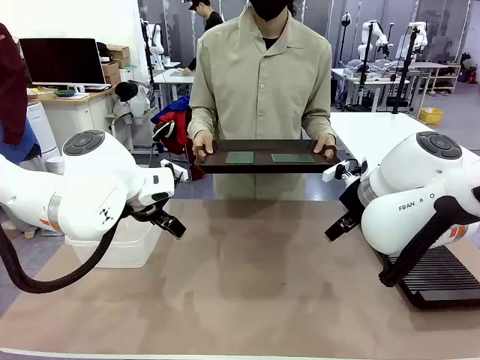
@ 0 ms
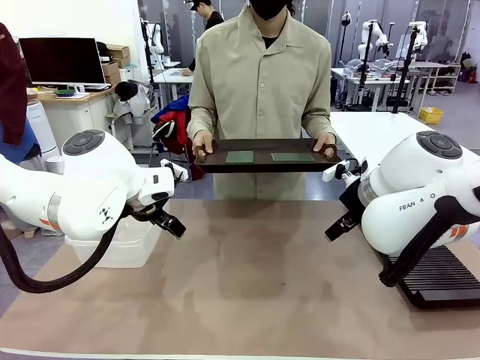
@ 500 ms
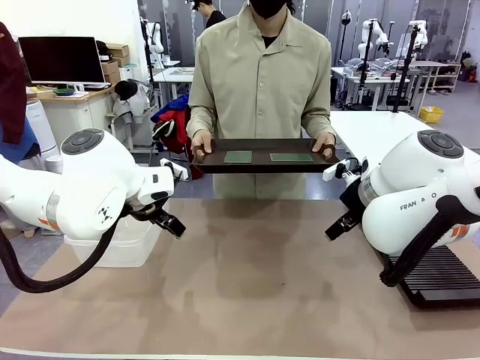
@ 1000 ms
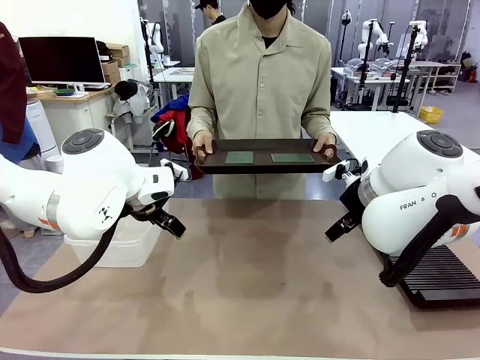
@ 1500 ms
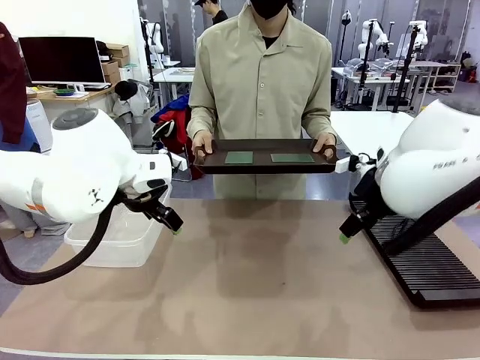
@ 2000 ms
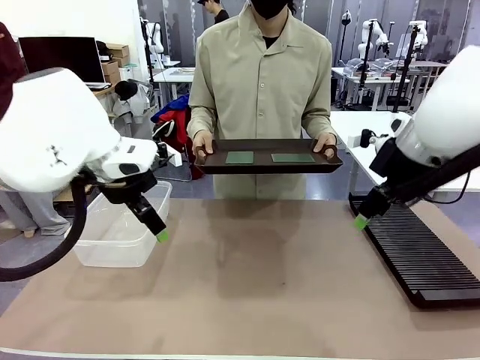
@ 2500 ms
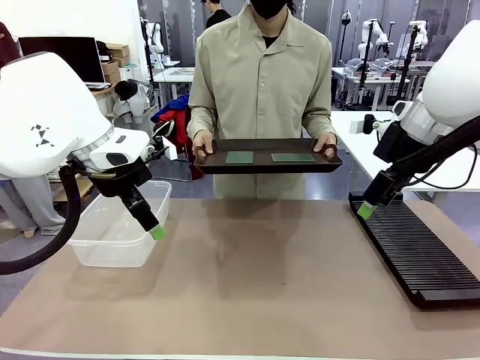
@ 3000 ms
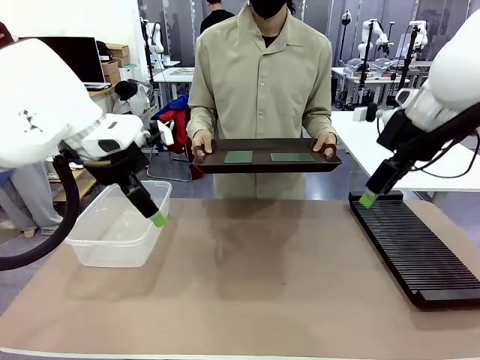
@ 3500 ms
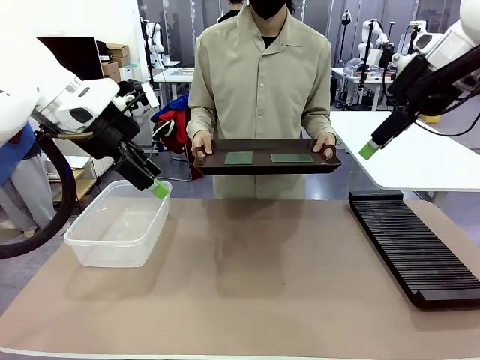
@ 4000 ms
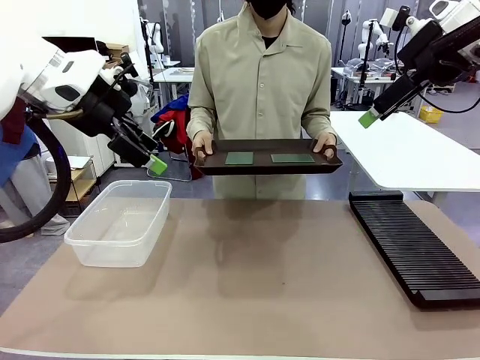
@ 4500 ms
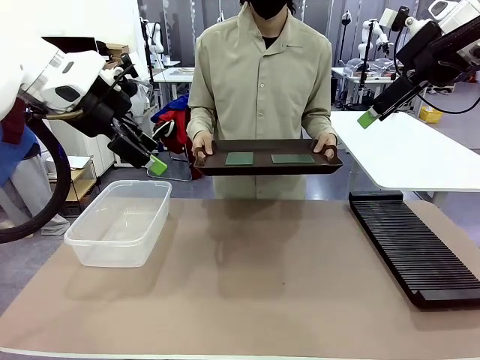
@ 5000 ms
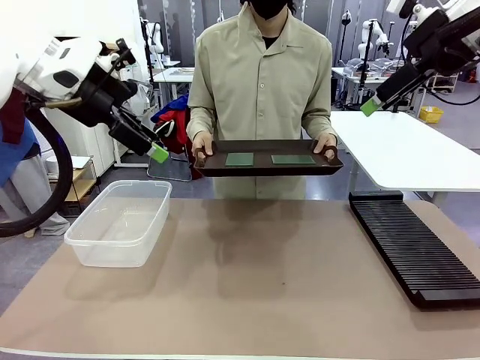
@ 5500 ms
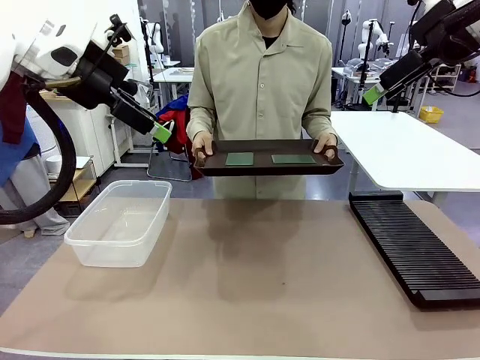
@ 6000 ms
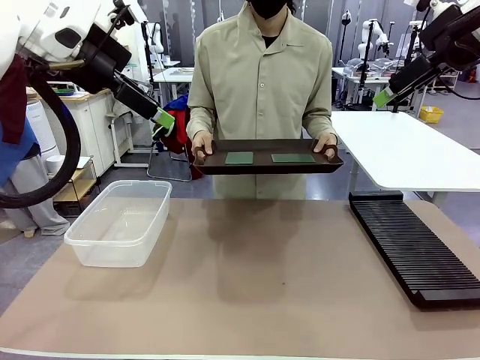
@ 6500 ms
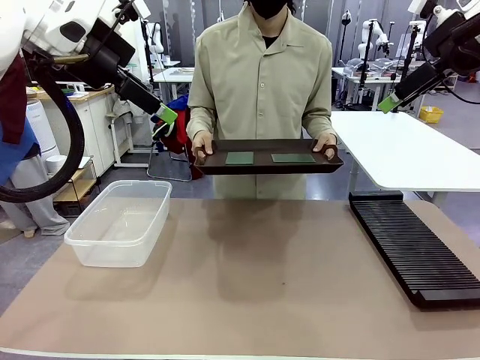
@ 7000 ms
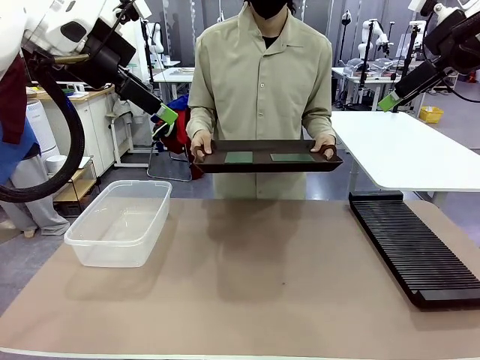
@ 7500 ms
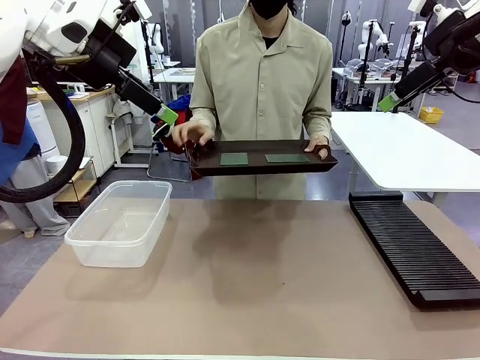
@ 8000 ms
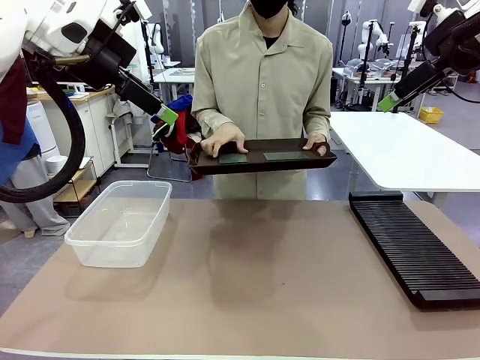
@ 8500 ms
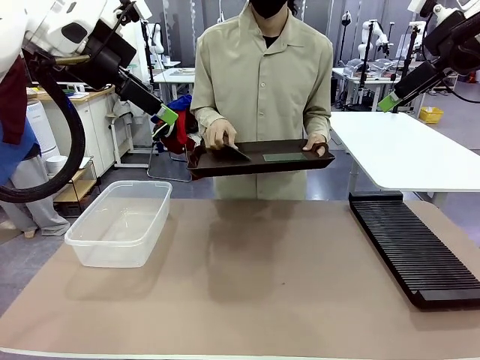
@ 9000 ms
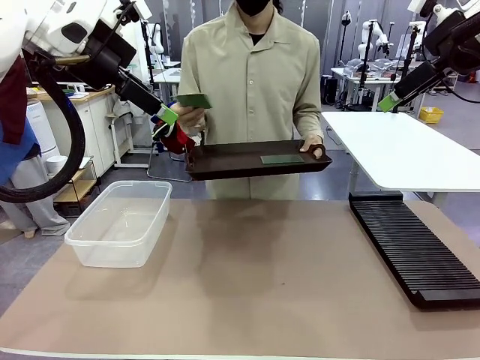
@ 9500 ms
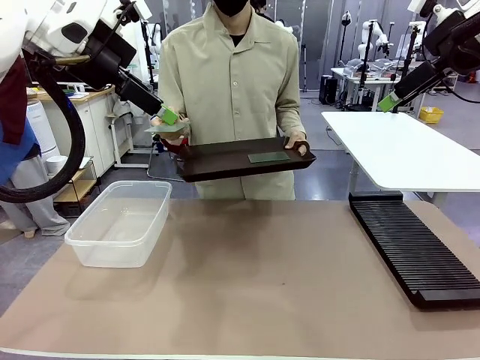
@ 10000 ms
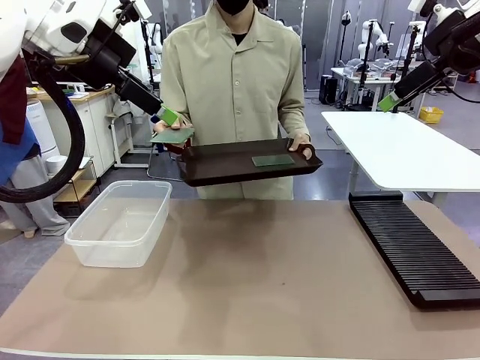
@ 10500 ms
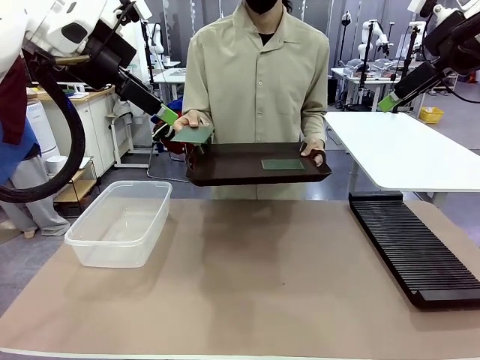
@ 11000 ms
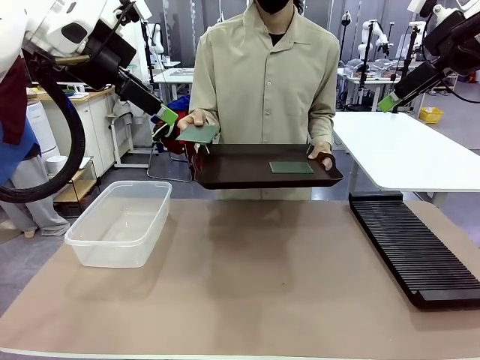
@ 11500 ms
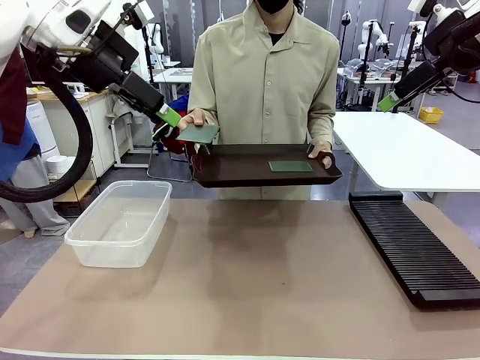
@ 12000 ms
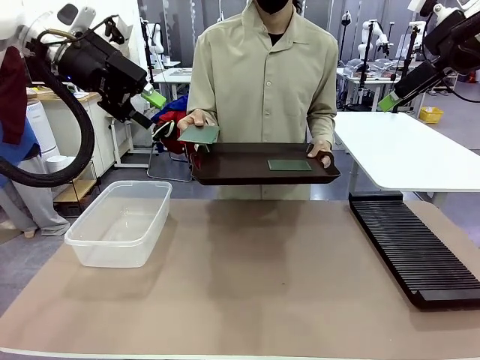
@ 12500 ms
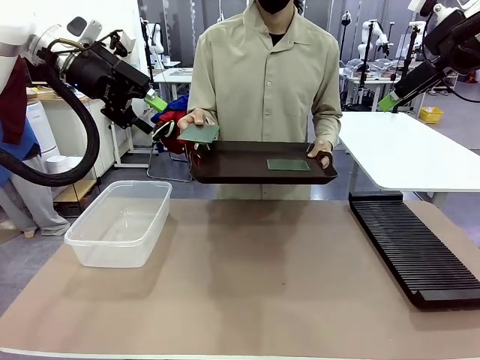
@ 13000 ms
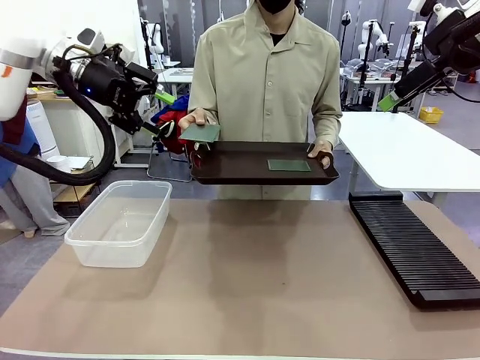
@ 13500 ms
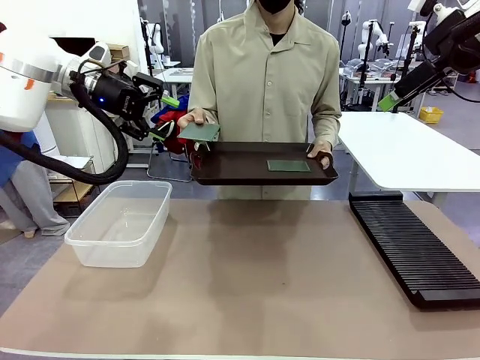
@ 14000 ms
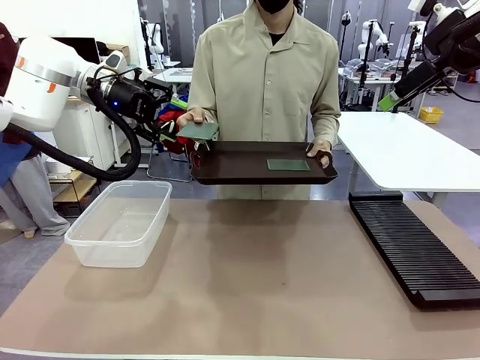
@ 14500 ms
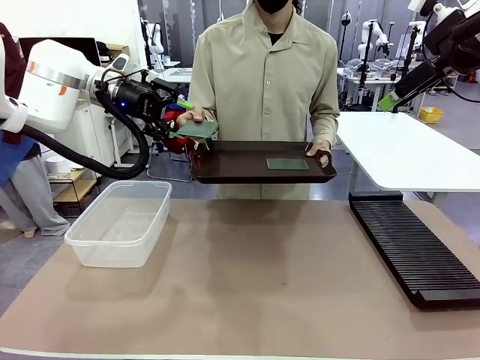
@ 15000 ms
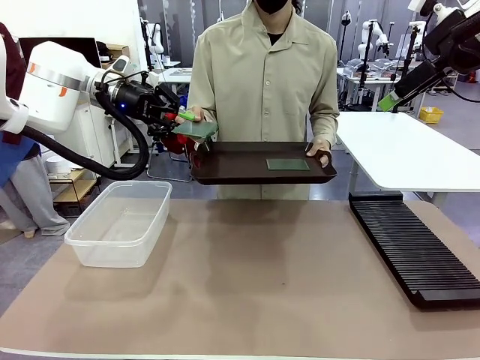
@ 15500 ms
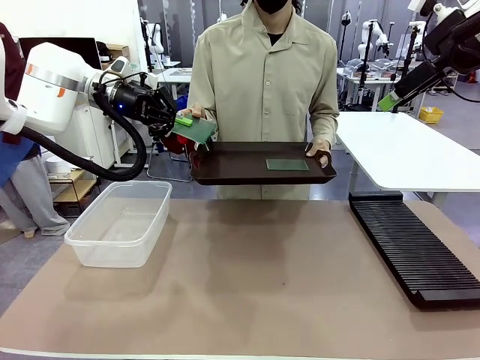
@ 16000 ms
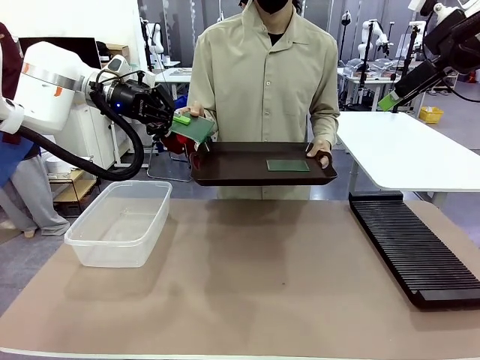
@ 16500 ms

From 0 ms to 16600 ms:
Task: Sort PCBs into racks and boxes based on the side picked up.
Robot: Pick up the Blank PCB handed by the Human.
Person: Pick one PCB from the tray and present it to the robot. Release the PCB being held.

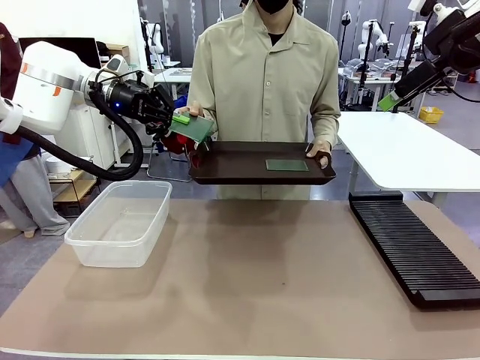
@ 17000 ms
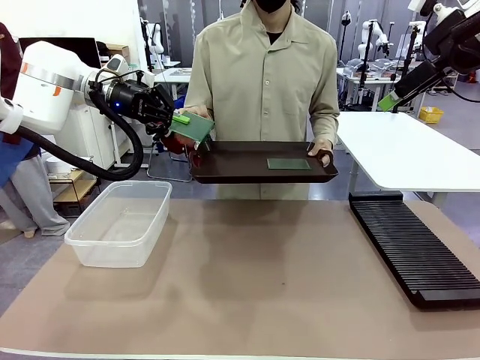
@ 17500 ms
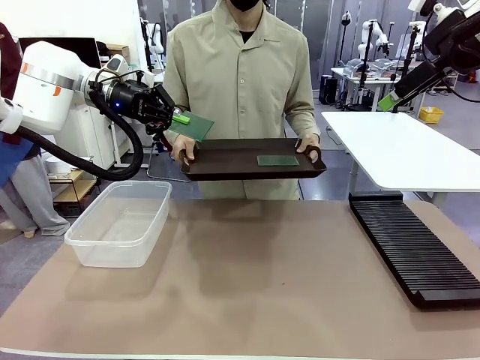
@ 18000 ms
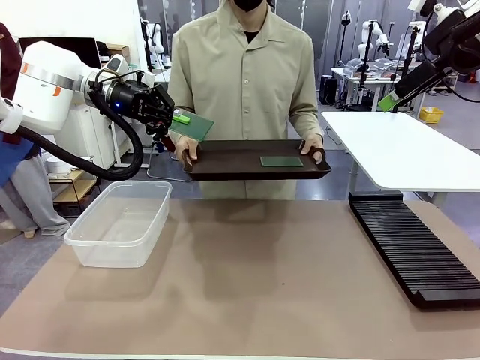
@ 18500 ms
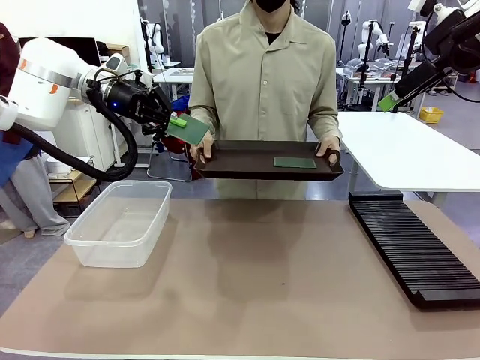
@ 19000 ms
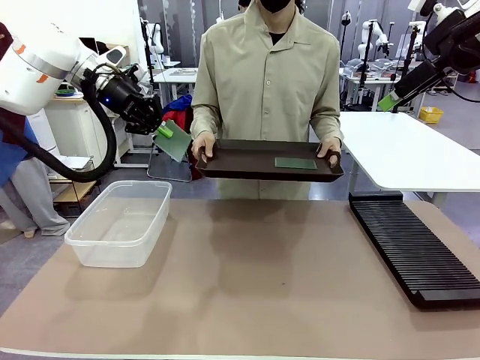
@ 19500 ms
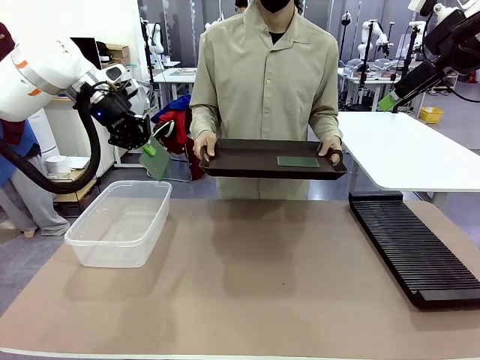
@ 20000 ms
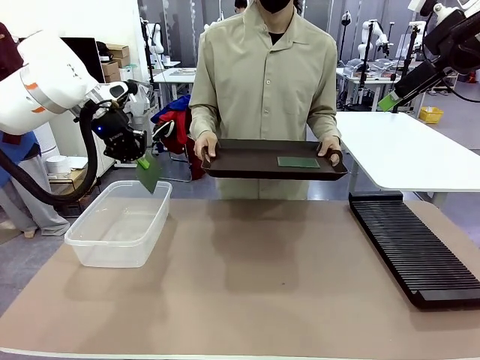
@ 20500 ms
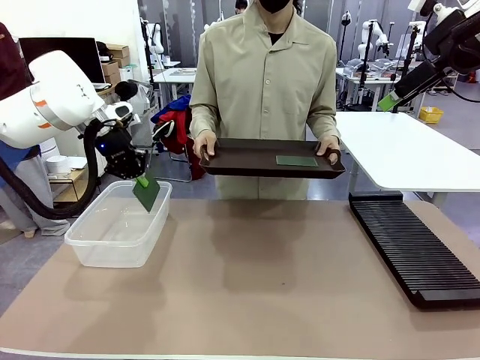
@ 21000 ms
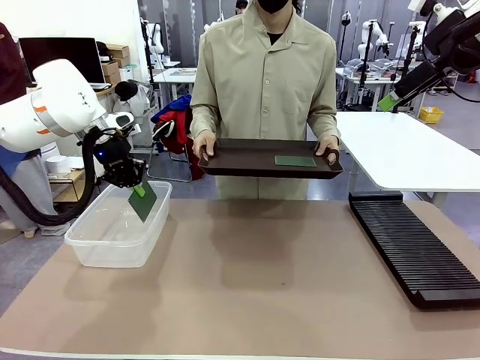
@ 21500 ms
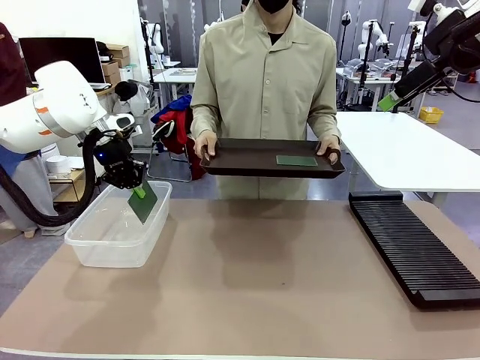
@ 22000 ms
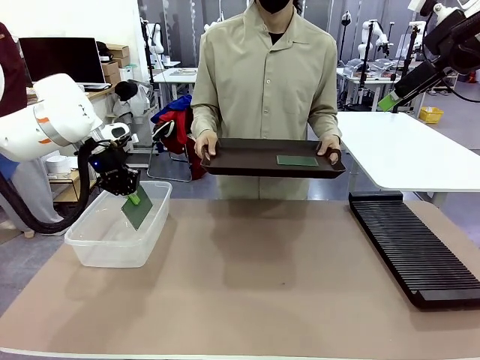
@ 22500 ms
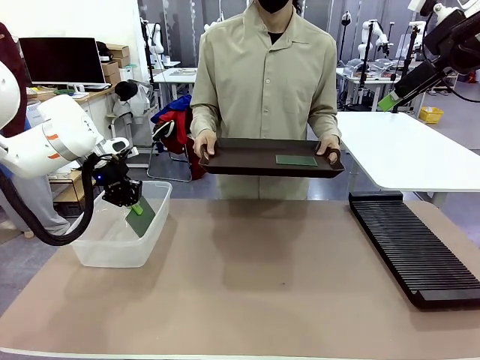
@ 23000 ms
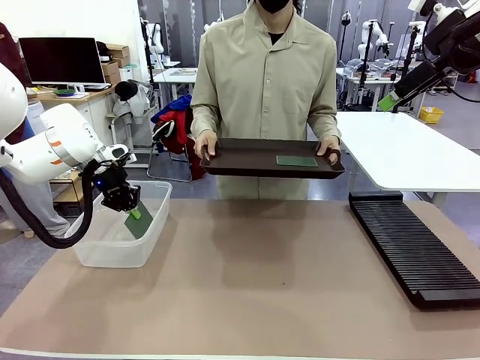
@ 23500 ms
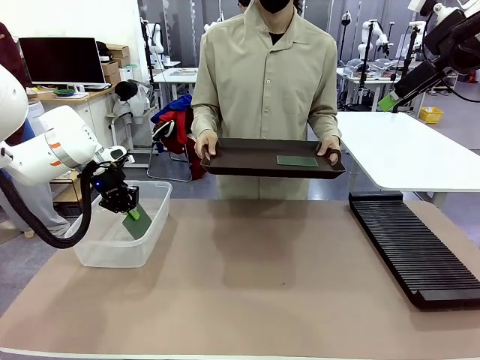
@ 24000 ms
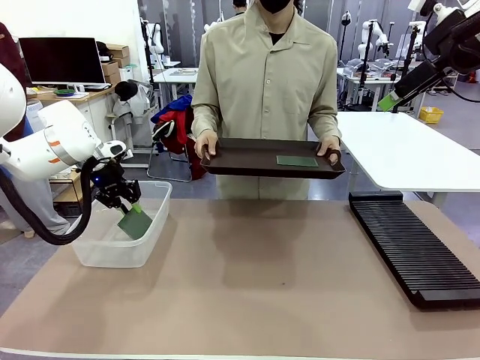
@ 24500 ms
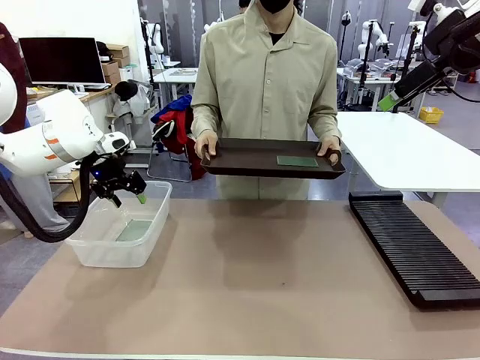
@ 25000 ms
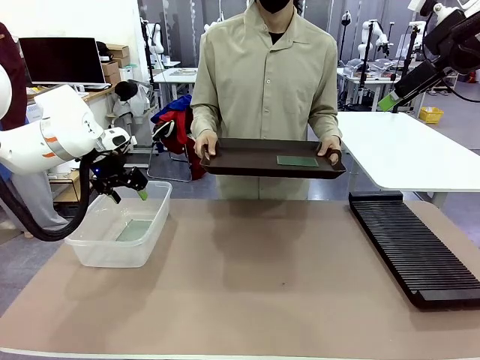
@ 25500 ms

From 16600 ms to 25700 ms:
Robot: If the short side of the Blank PCB is picked up, insert it into the PCB Rack ; if the long side is picked up, place it in the Organizing box.
Person: Pick one PCB from the tray and present it to the robot.
